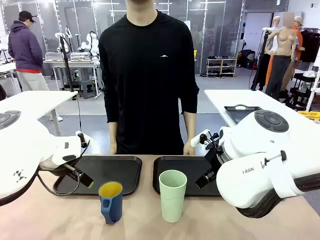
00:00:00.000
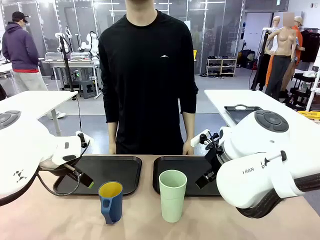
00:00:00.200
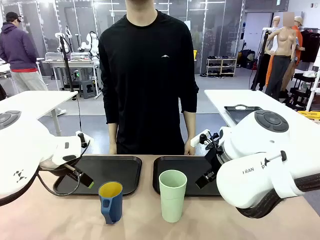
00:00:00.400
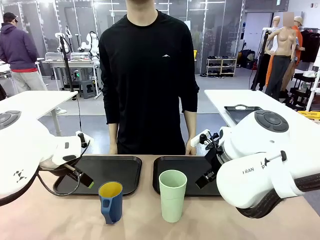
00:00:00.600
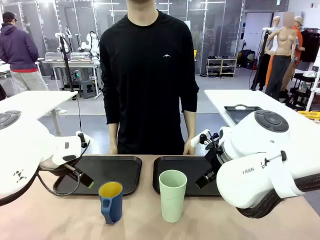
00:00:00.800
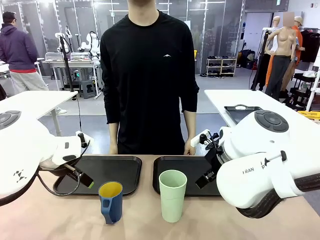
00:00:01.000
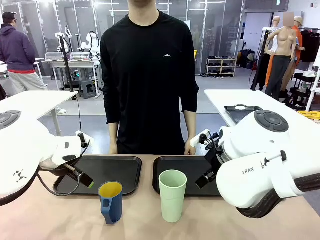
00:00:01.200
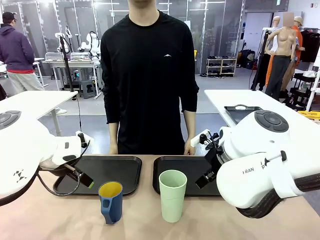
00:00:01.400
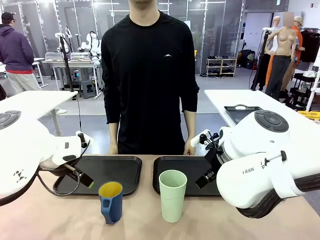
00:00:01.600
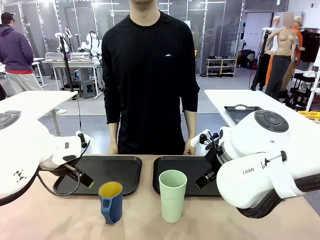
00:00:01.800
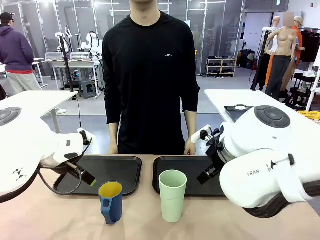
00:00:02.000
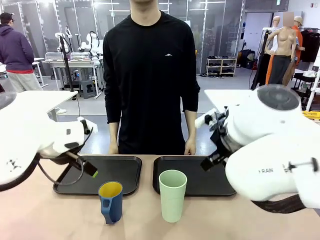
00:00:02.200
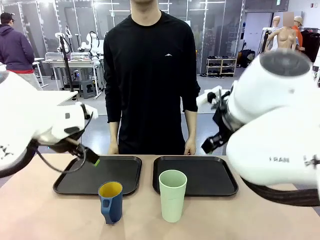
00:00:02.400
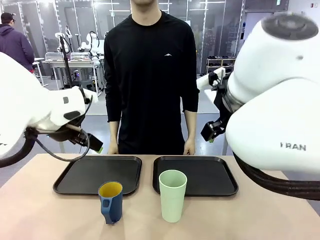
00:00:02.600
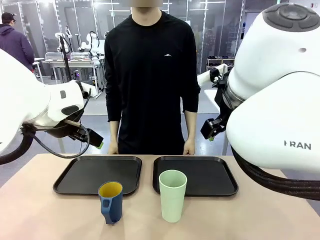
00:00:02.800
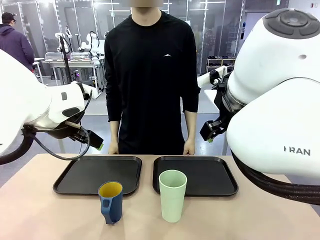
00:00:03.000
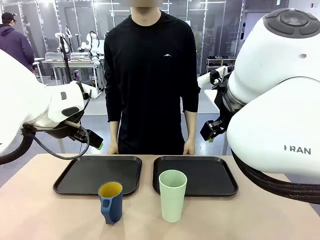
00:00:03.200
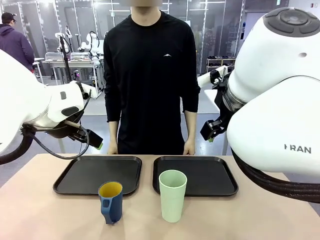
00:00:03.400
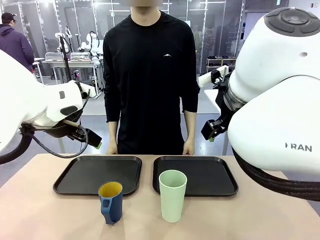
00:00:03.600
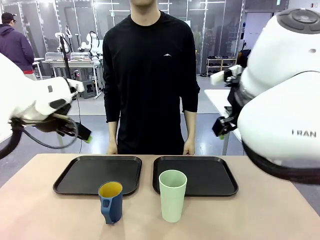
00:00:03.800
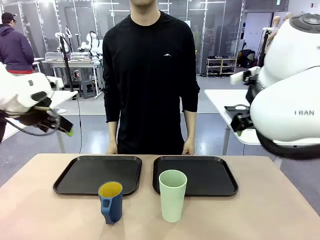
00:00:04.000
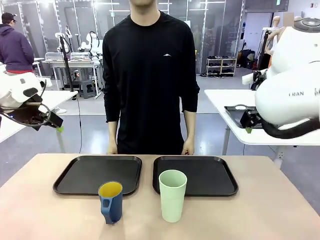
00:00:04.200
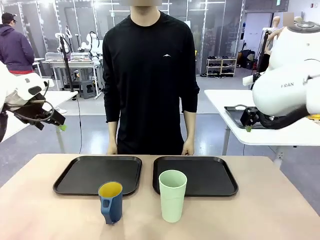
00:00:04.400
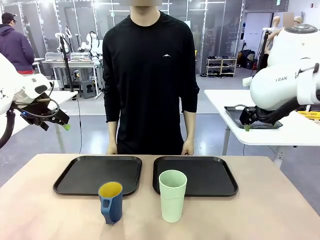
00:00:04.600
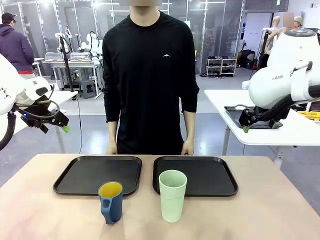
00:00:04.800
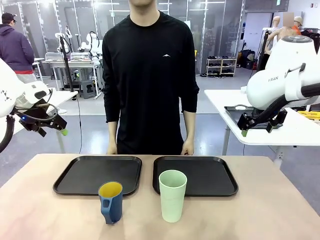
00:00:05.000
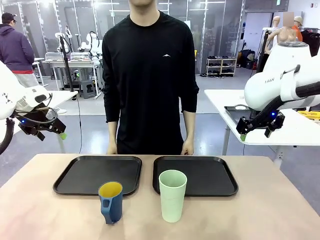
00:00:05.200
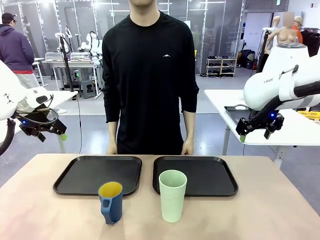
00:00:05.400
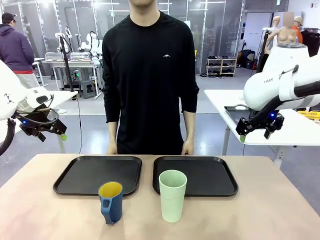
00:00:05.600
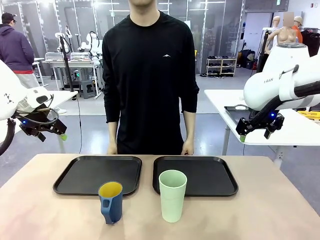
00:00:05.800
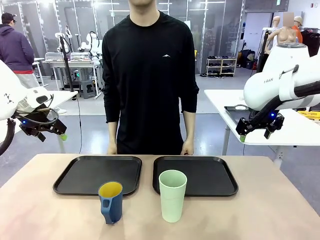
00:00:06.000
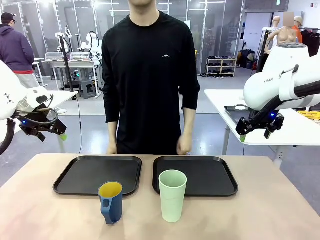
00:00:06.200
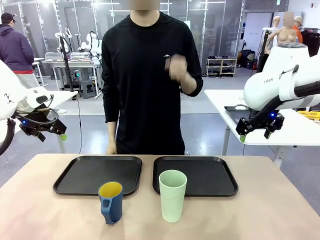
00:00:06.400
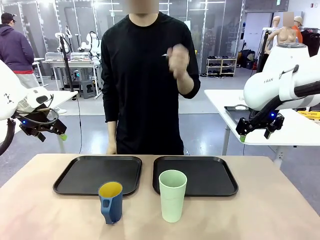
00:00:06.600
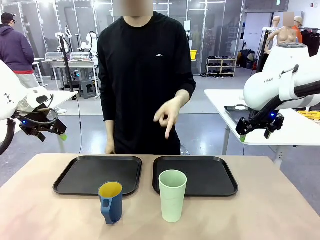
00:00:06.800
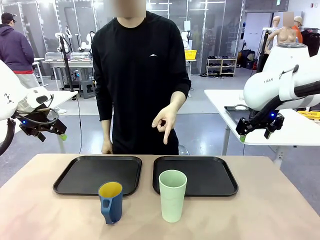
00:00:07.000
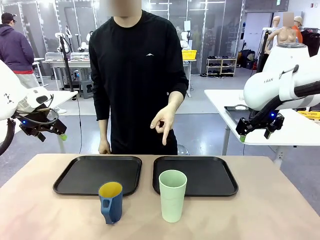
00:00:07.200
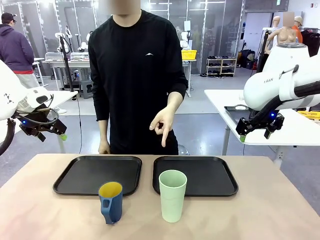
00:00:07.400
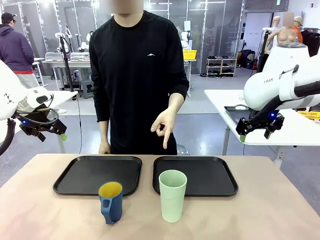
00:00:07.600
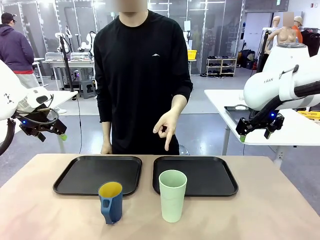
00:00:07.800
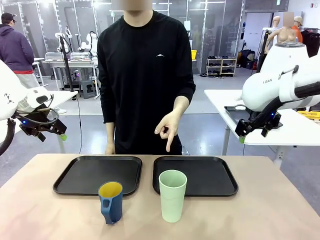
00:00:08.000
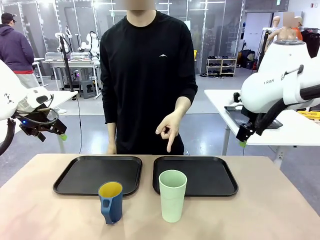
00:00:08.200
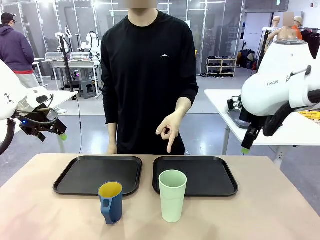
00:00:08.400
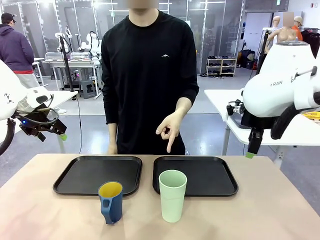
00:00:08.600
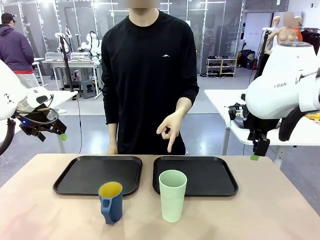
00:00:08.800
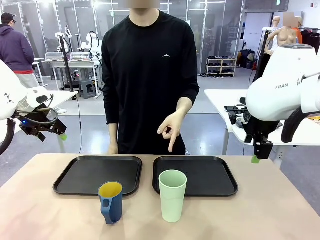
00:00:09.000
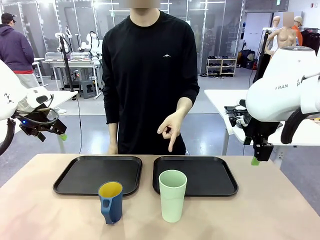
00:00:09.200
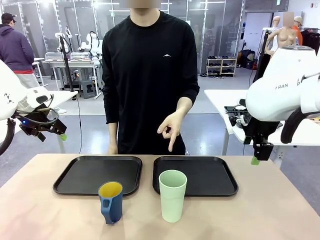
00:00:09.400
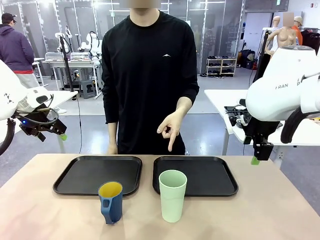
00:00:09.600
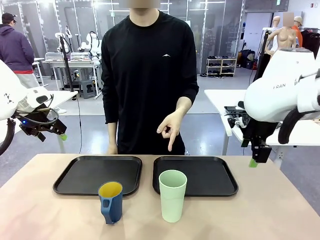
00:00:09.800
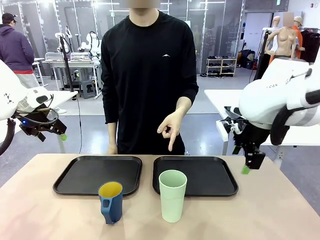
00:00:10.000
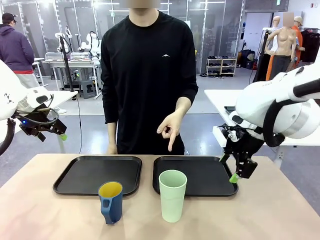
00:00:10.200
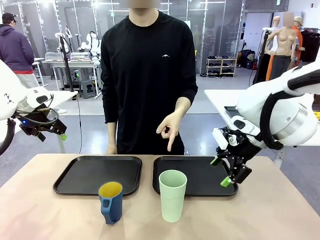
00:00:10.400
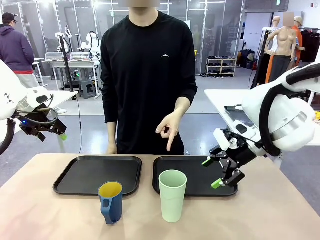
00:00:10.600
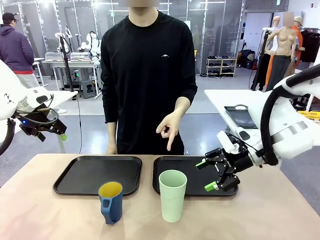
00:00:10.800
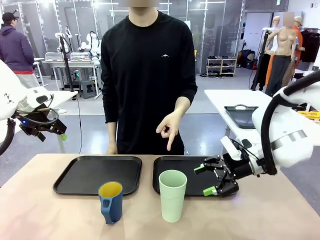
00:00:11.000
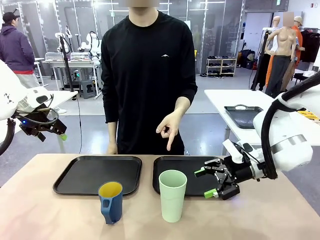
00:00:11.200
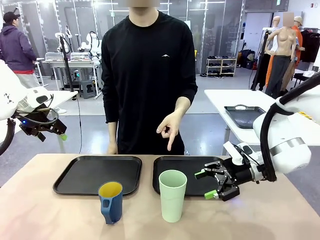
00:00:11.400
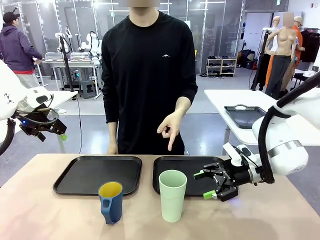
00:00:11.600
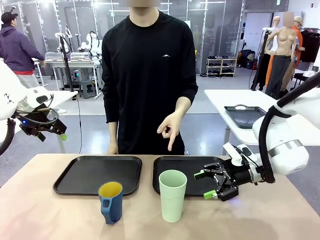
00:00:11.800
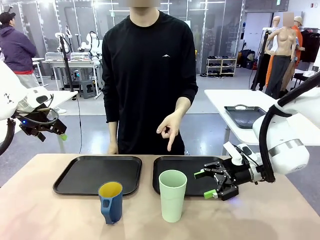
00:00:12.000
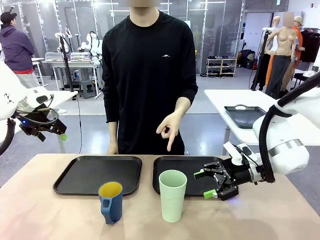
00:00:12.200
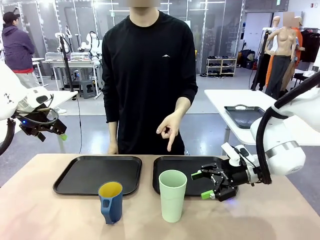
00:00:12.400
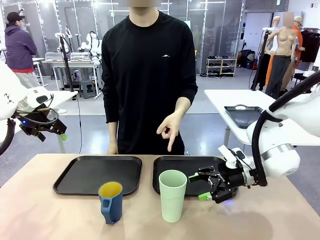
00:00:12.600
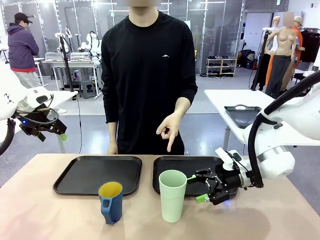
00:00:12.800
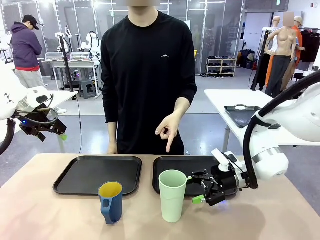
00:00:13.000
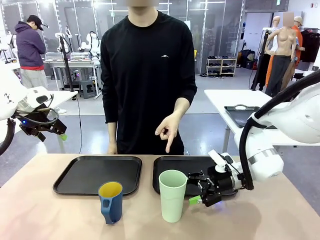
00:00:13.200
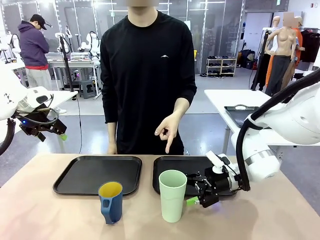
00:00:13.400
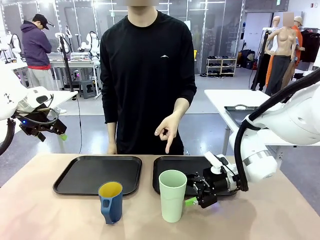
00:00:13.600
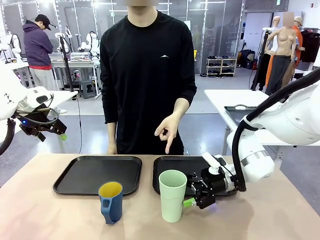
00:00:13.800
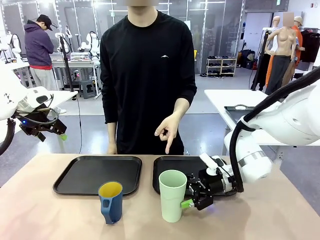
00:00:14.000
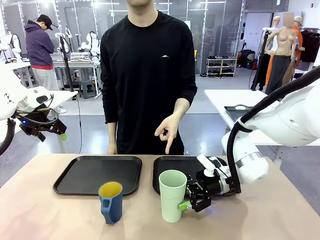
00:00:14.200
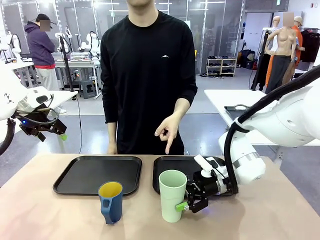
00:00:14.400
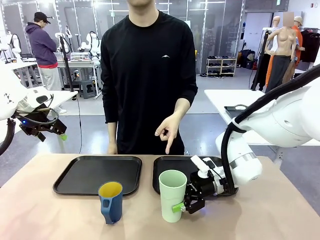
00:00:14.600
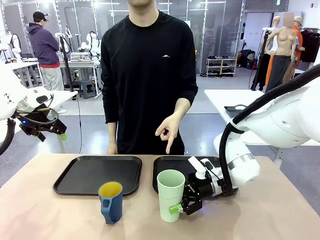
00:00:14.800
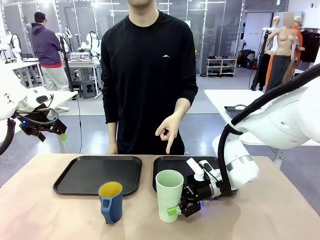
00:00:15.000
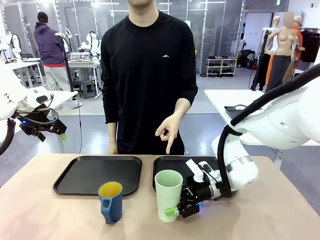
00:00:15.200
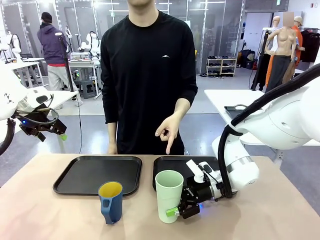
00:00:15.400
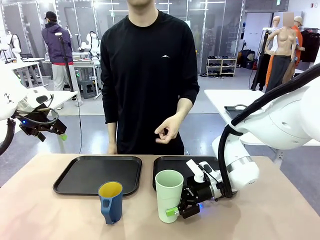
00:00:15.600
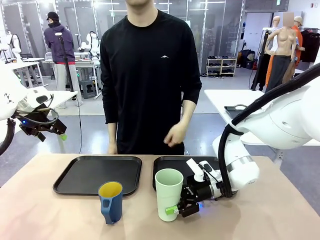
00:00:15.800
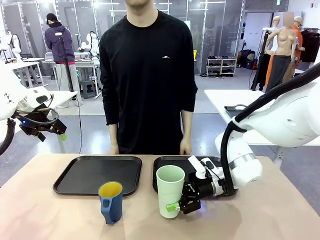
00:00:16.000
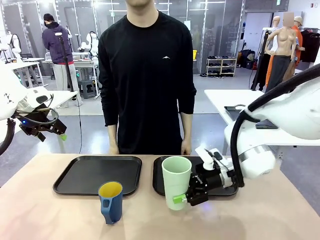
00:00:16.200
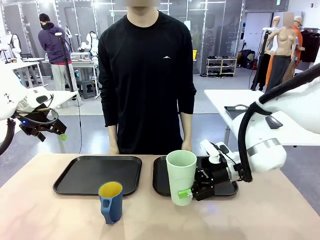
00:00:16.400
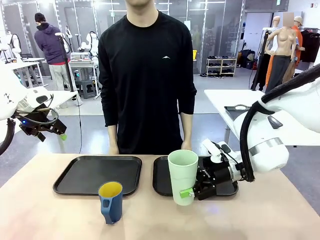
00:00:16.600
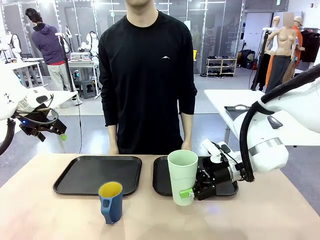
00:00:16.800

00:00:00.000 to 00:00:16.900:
Task: Sort and store the cups by type.
Robot: Pick up the Reusable plastic cup.
Person: Points to the reusable cup. Point to one of the two trays.

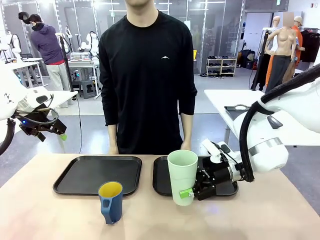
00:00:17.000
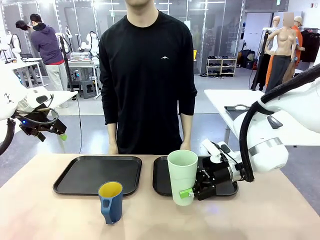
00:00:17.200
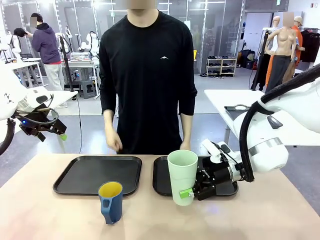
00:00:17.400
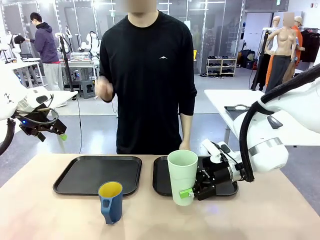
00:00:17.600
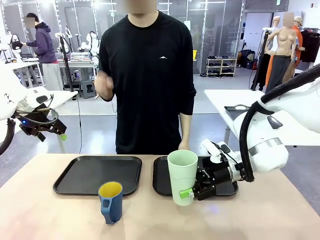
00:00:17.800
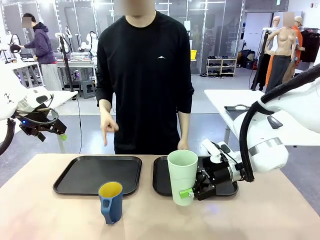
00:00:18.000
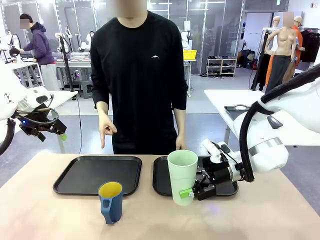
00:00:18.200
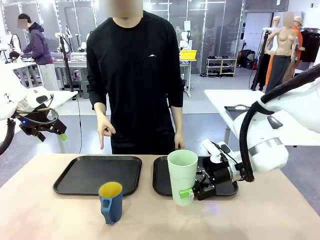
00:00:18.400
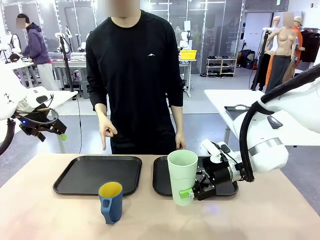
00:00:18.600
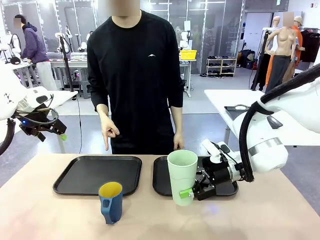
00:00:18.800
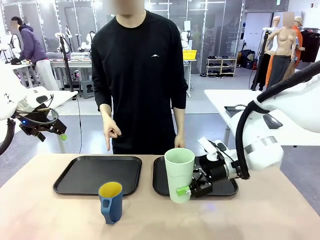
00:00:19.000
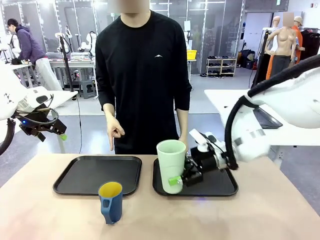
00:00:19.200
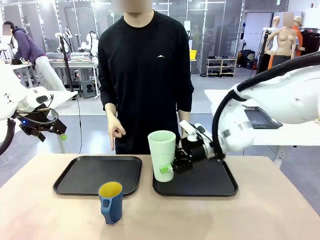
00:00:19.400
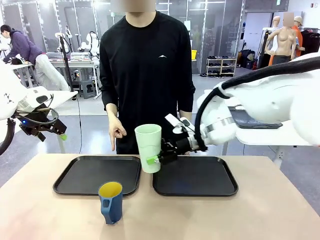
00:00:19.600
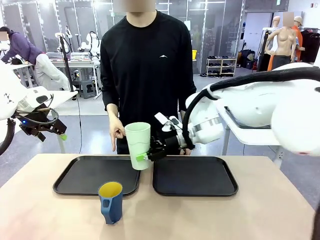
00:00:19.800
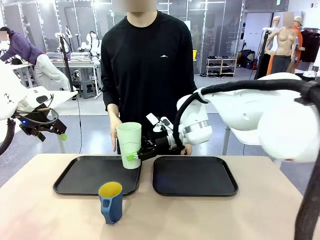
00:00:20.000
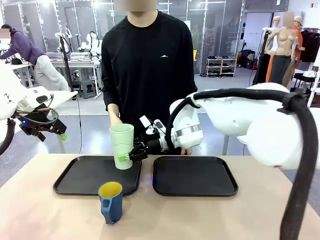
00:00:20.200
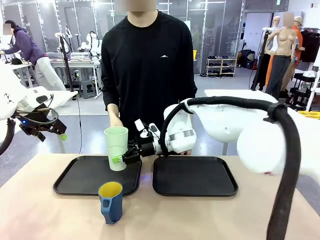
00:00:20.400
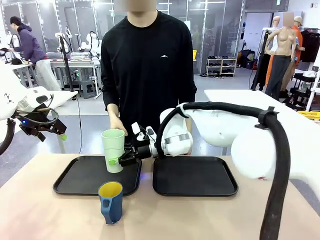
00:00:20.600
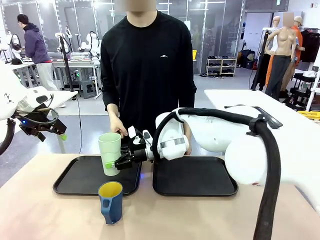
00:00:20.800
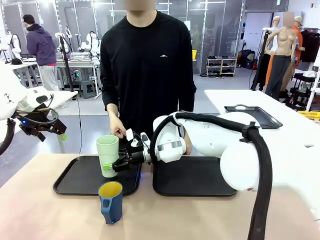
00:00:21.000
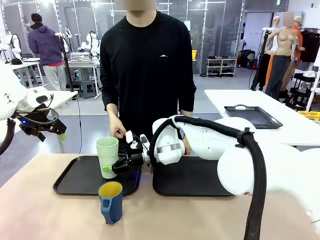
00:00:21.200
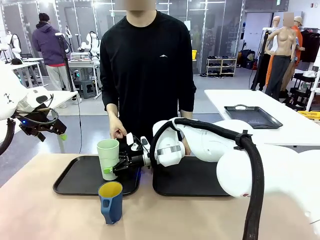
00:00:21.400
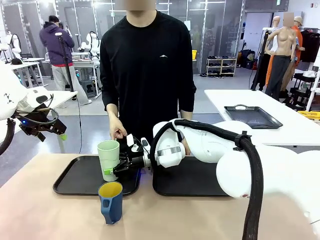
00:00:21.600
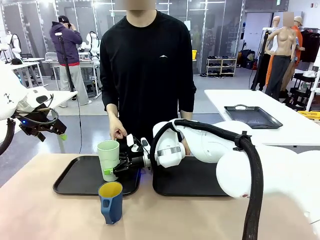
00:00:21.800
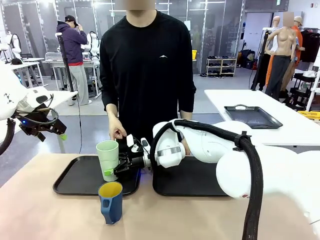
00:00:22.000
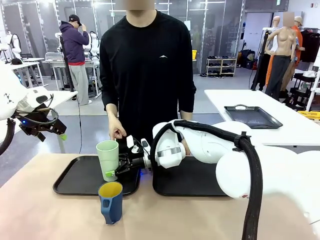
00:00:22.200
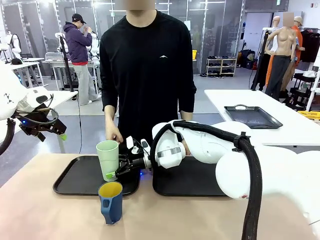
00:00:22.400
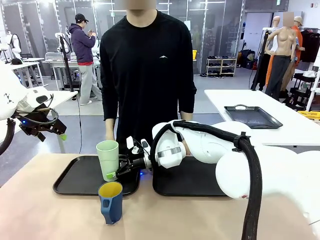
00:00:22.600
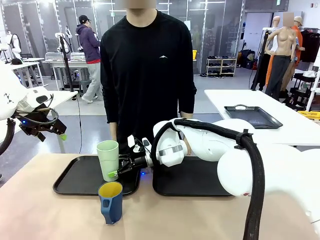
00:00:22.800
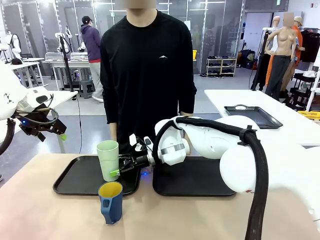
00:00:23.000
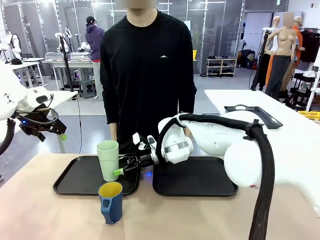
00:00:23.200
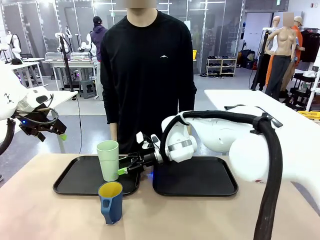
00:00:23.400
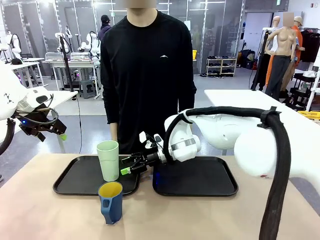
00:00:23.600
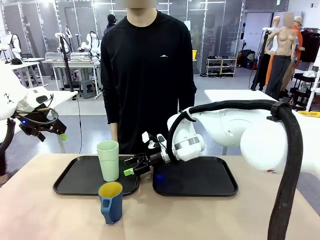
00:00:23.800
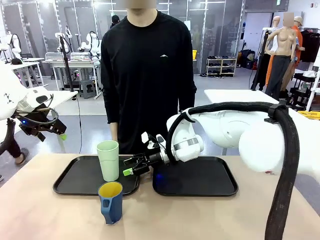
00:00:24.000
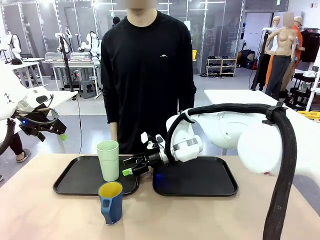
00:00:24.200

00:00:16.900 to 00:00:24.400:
Robot: Place the picked Reusable plastic cup into the Flat Tray indicated by the person.
